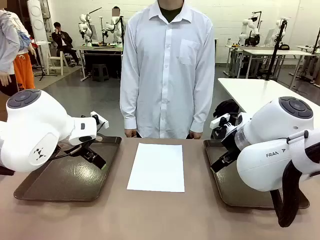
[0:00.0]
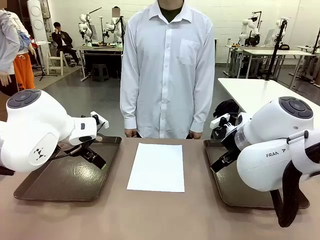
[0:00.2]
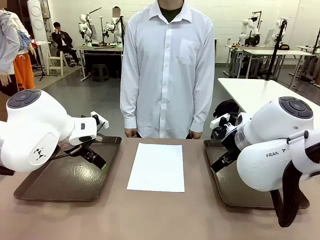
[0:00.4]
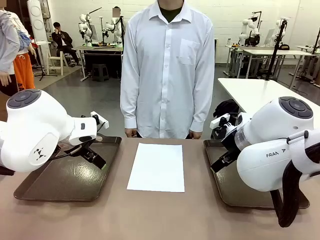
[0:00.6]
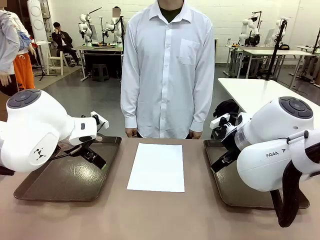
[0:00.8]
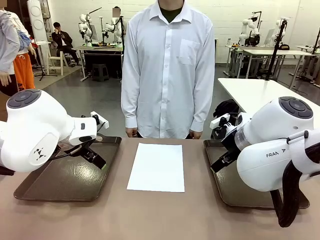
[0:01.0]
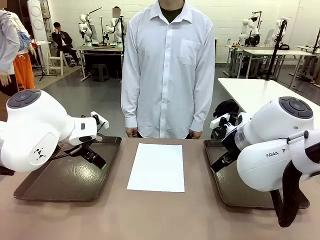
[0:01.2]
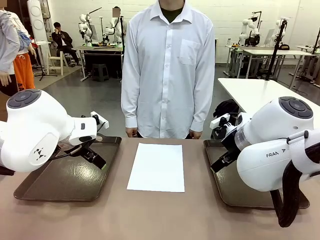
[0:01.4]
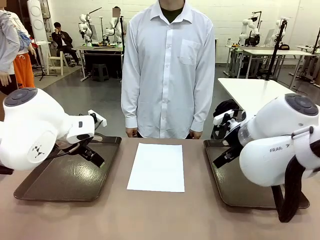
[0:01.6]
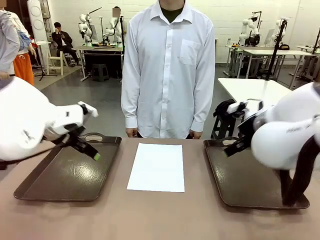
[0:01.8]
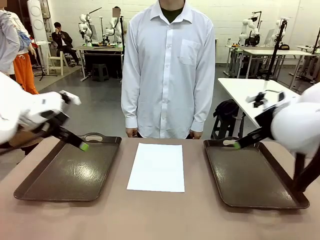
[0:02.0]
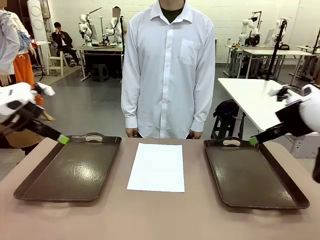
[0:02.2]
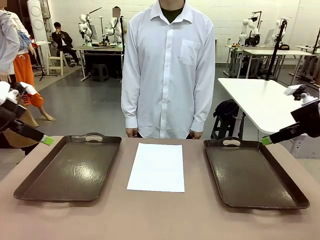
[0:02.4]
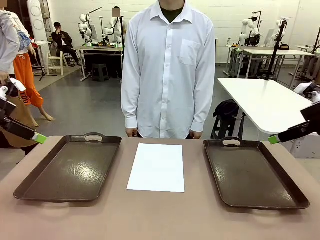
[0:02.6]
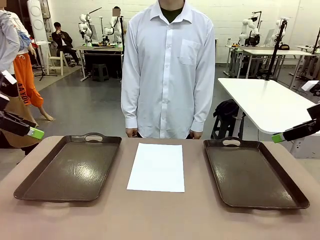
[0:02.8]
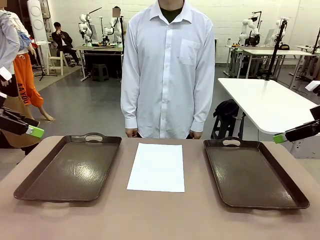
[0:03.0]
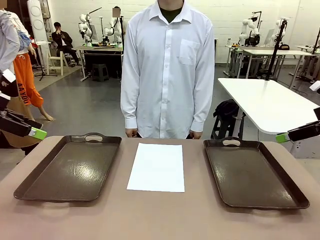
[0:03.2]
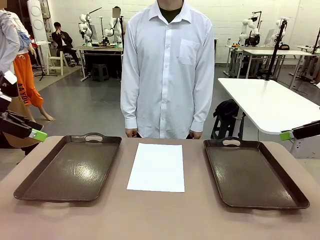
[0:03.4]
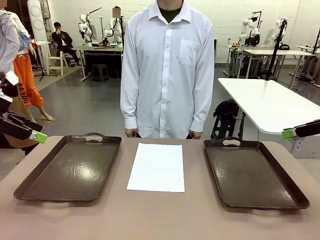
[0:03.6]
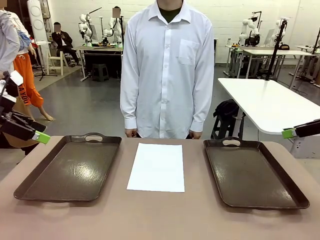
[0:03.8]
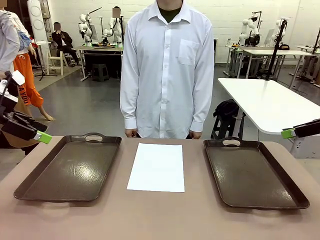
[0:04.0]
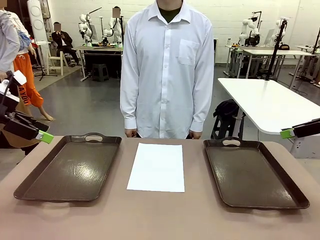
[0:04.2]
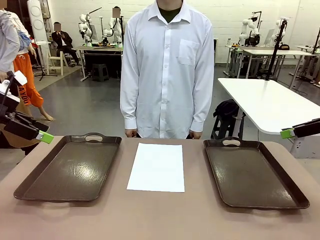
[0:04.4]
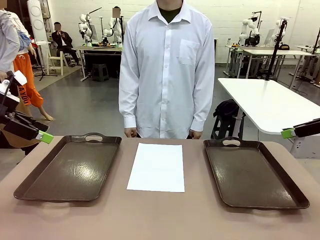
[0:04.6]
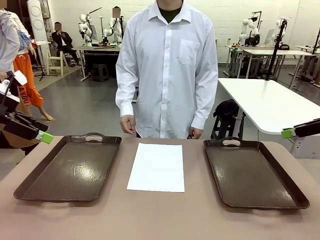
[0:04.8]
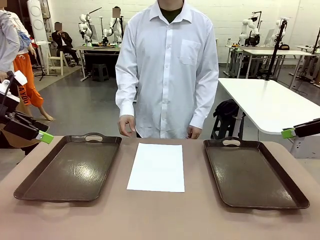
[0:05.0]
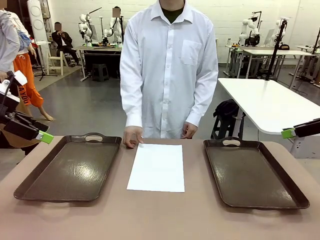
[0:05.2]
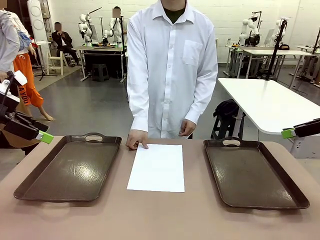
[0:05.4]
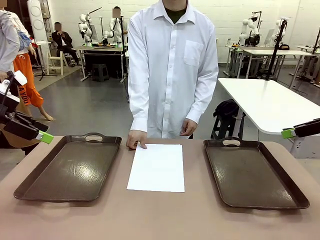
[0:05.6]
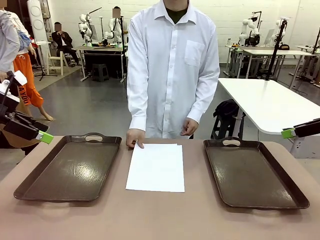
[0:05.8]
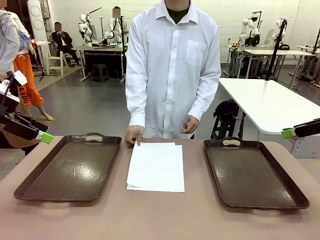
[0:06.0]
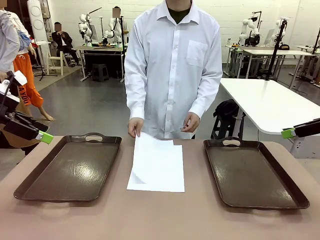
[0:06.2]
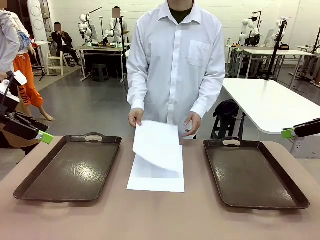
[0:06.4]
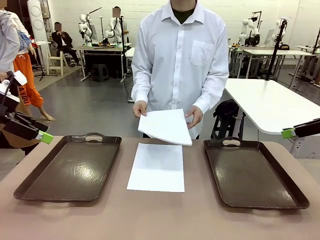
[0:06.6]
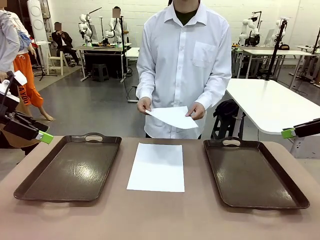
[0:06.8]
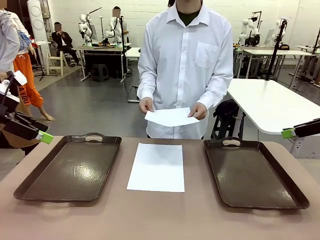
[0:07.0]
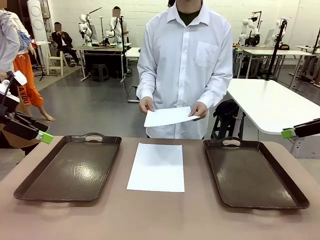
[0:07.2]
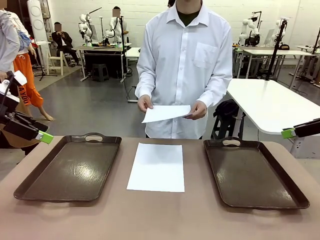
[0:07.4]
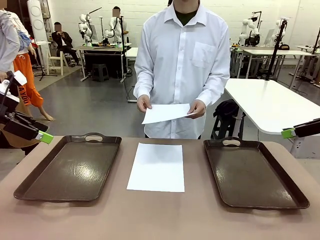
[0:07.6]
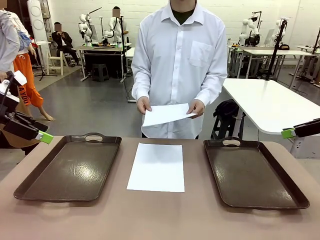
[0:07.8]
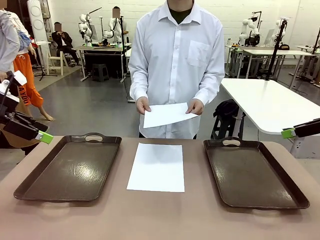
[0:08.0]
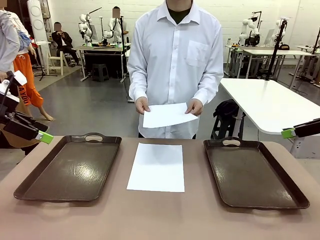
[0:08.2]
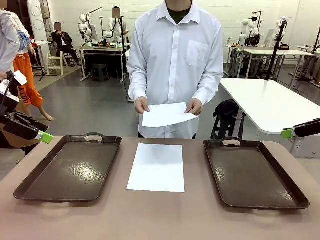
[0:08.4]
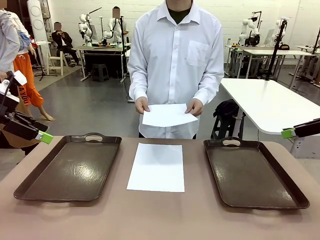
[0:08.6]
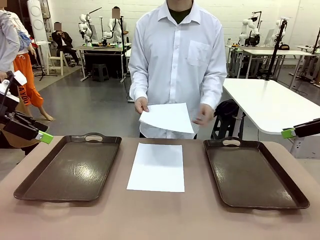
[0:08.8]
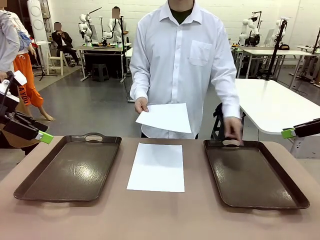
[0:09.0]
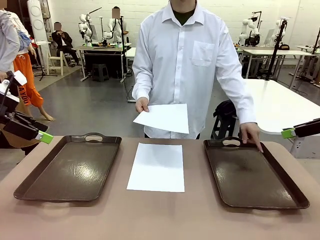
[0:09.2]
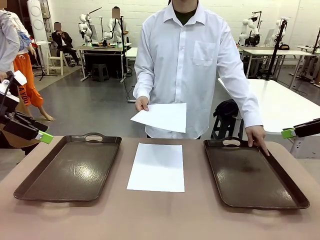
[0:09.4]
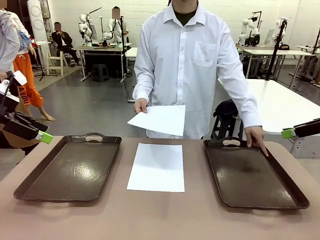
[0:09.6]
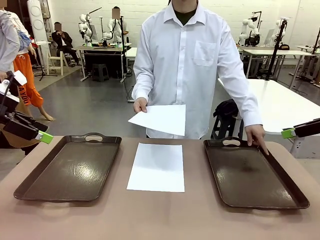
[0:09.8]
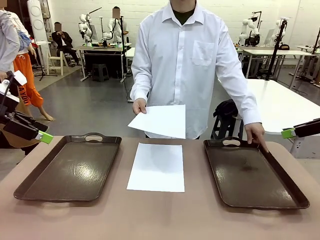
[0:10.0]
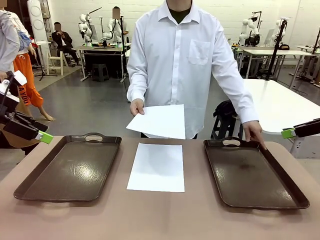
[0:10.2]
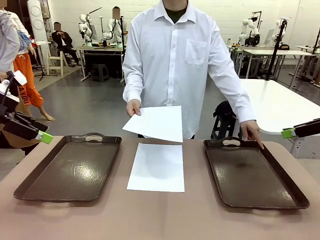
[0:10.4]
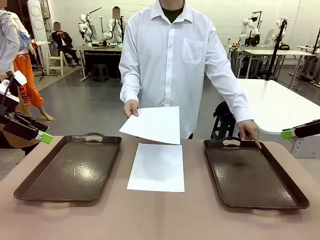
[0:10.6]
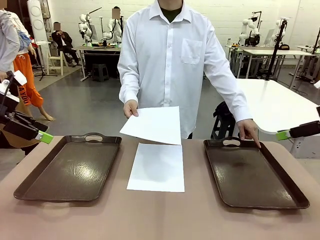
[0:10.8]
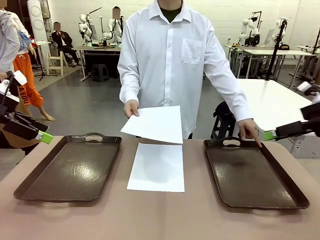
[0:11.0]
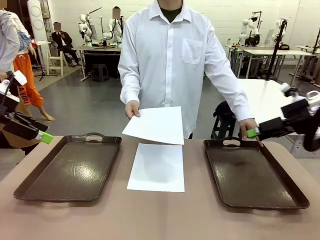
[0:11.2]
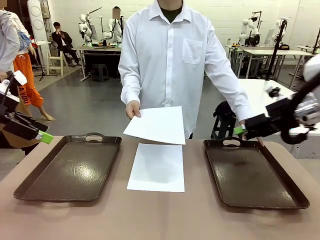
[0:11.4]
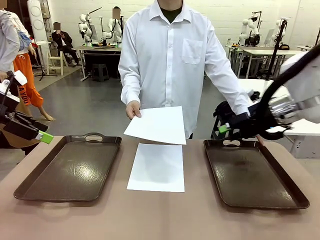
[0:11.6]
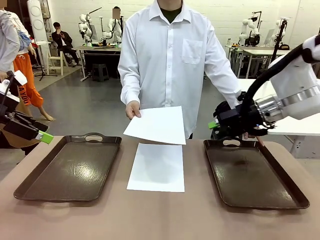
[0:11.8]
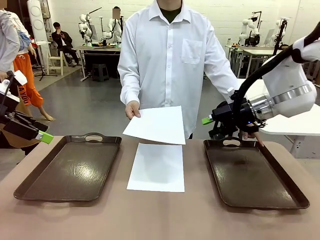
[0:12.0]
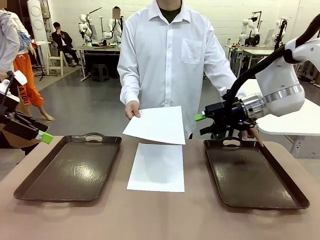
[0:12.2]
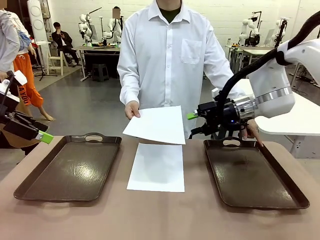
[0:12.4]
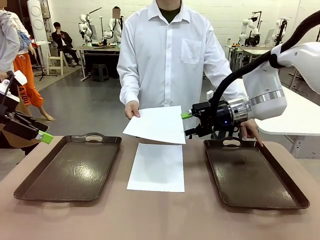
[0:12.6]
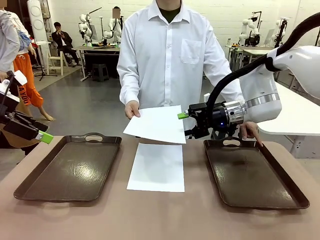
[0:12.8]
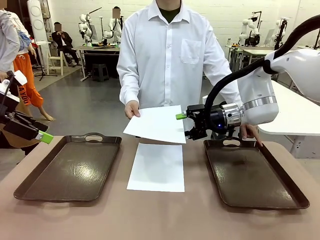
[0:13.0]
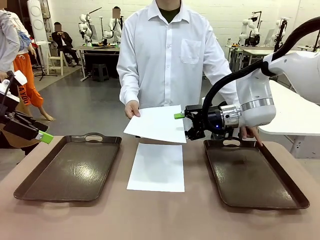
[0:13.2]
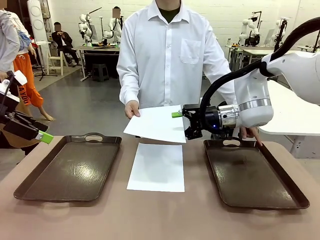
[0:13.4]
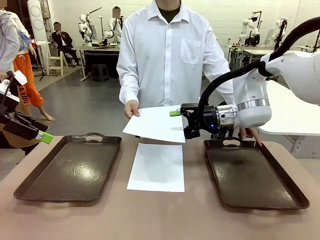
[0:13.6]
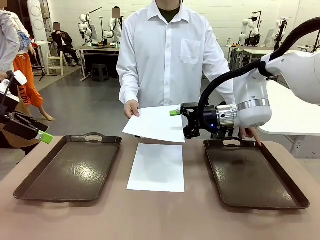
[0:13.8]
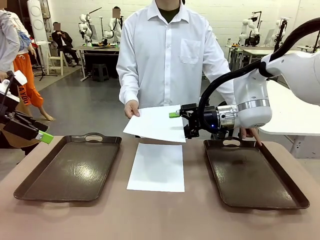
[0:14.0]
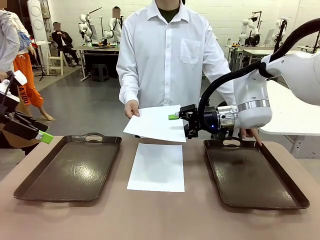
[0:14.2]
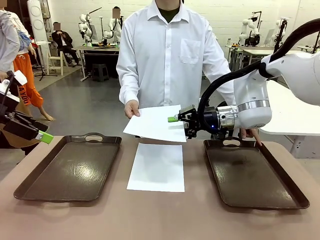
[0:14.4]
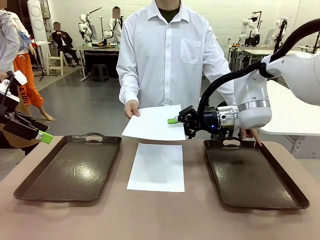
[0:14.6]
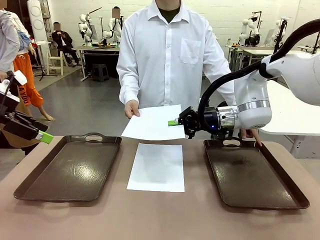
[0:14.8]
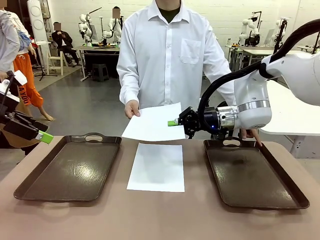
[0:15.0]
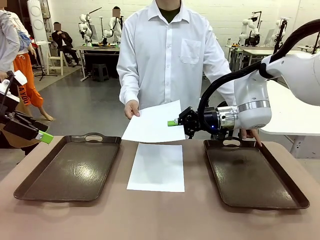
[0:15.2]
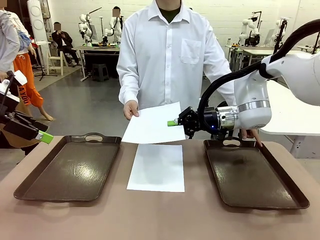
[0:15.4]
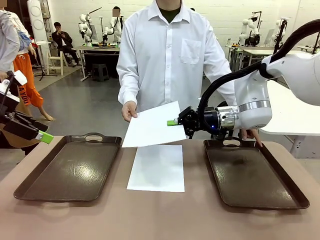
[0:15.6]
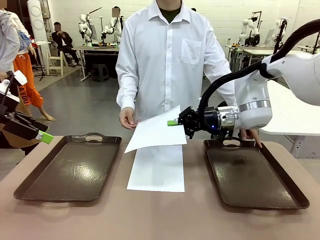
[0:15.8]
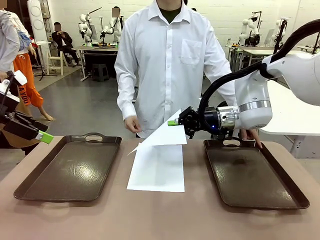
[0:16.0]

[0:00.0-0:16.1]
Task: Sort the A4 documents.
Robot: Receive the A4 Paper.
Person: Pick up a sheet of paper from the center of the table and hand it to the robot. Point the randomly selected tray with the other hand.

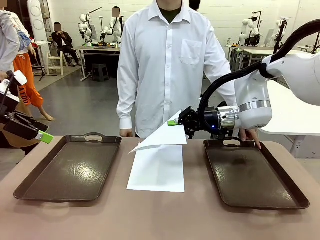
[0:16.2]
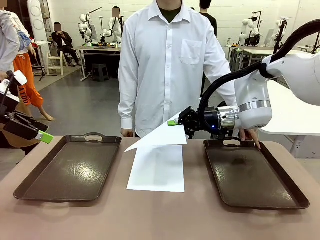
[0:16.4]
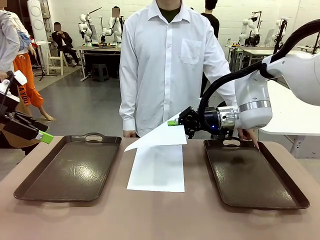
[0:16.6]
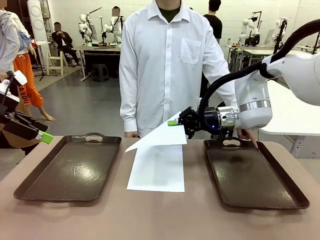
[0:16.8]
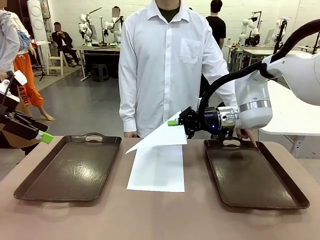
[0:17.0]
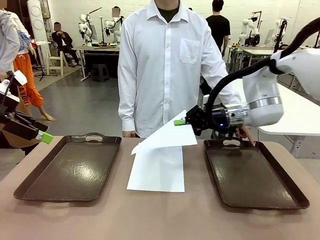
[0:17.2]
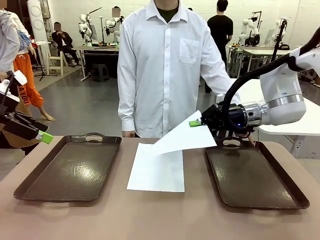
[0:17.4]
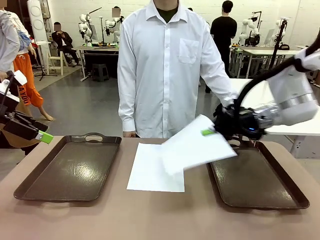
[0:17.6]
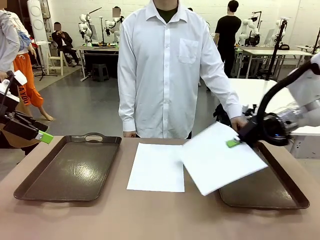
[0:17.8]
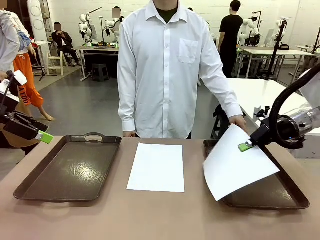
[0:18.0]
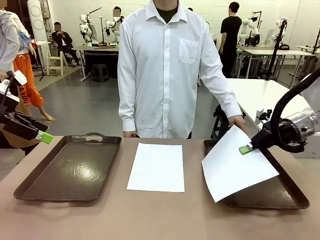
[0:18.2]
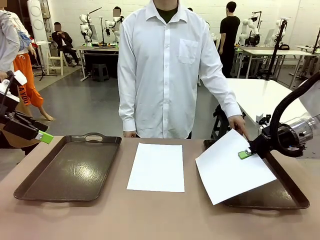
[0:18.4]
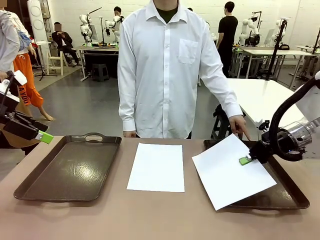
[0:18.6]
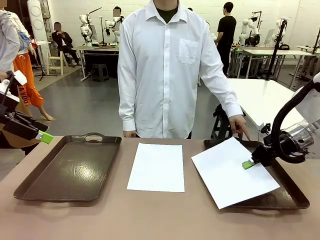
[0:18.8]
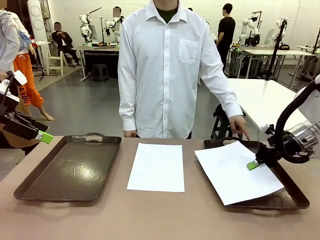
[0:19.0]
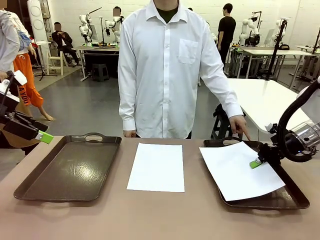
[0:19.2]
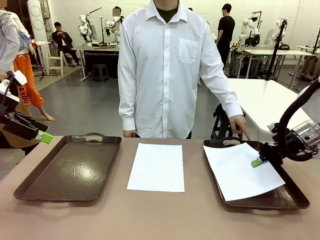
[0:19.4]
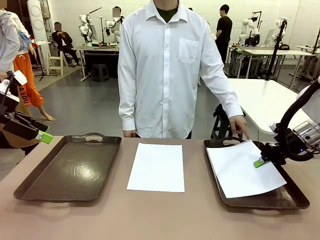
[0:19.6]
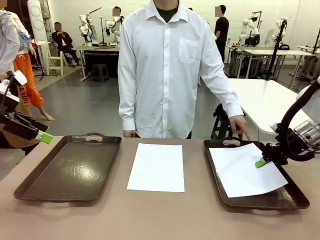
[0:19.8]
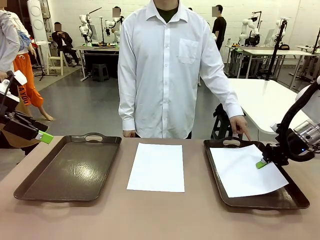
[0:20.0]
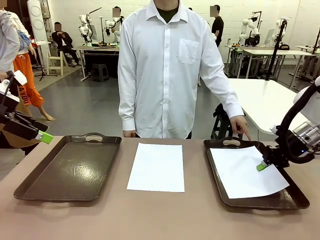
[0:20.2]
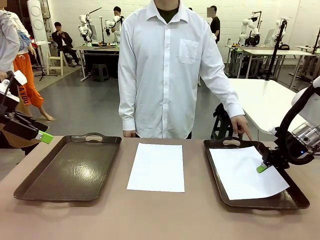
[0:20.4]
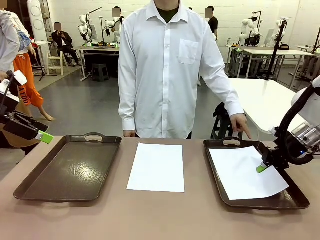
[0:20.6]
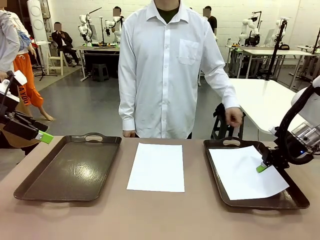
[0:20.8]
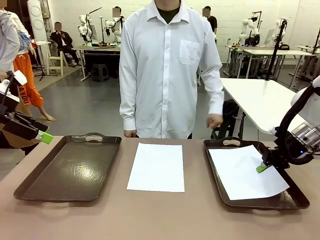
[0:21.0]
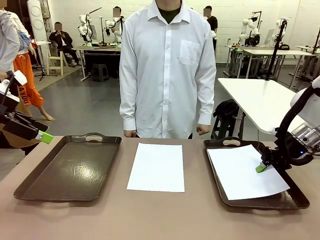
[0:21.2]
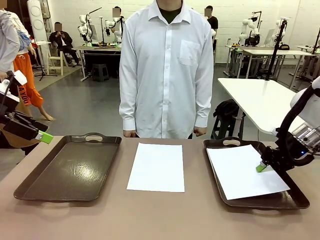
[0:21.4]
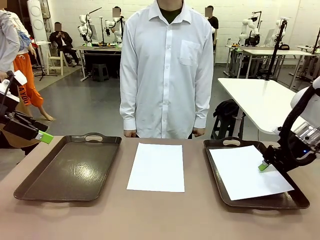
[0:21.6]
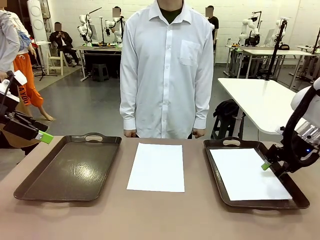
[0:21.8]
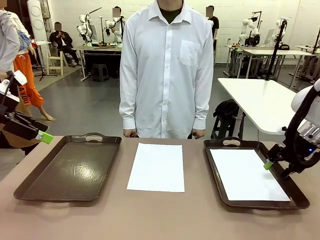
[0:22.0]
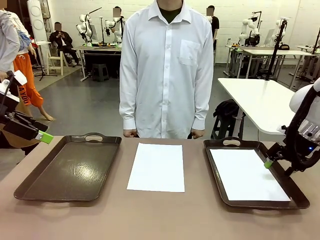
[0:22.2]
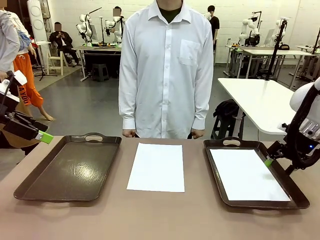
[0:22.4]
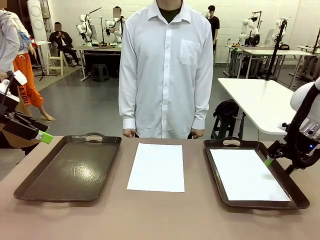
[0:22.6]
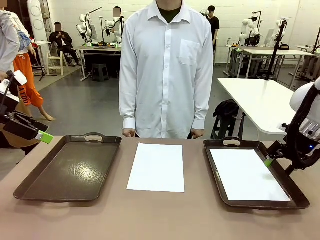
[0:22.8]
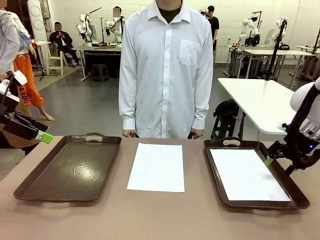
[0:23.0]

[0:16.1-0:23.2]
Robot: Place the A4 Paper in the designated Handle tray.
